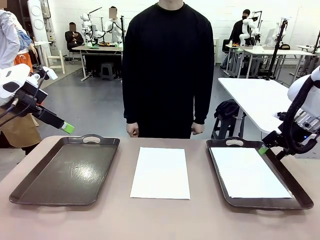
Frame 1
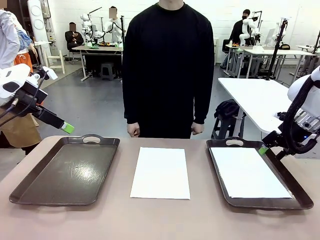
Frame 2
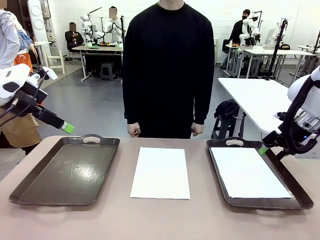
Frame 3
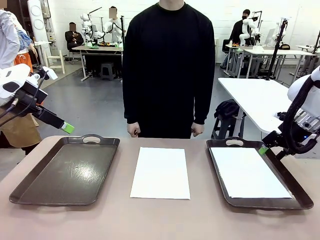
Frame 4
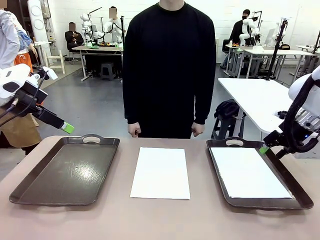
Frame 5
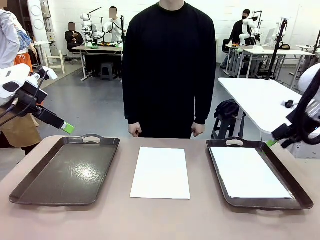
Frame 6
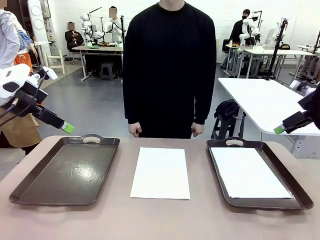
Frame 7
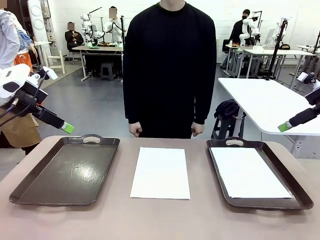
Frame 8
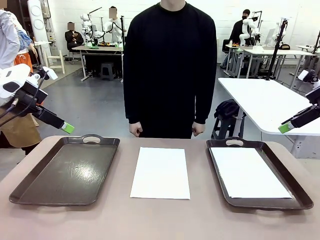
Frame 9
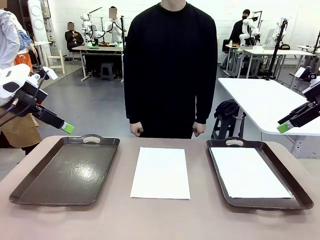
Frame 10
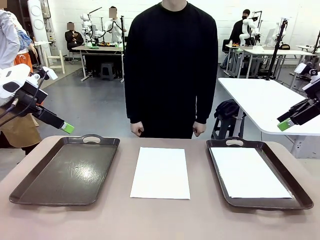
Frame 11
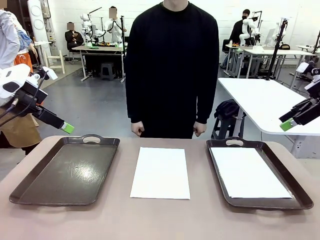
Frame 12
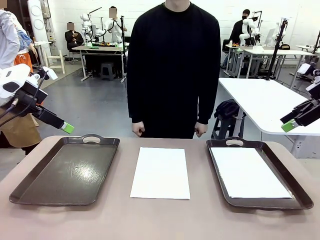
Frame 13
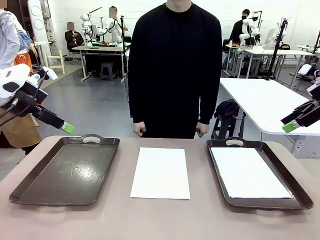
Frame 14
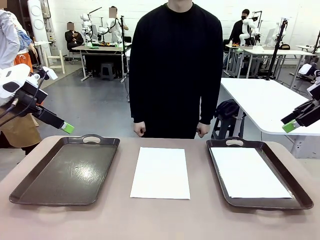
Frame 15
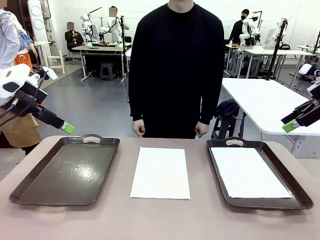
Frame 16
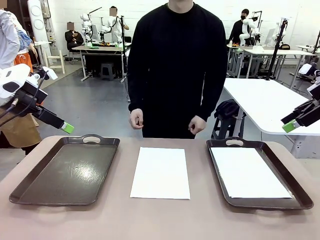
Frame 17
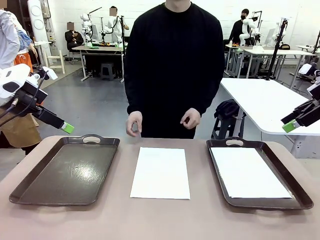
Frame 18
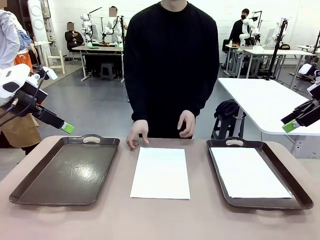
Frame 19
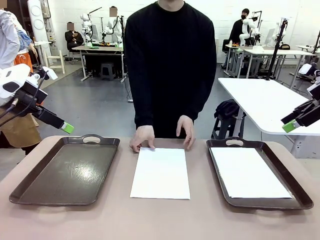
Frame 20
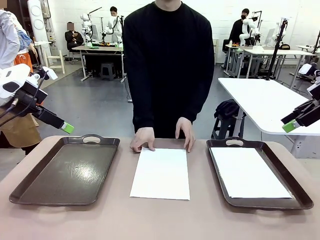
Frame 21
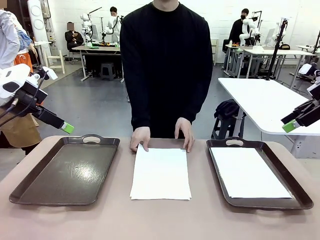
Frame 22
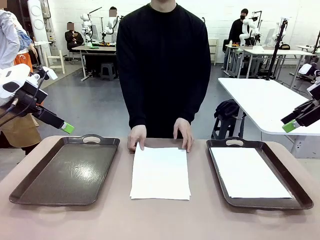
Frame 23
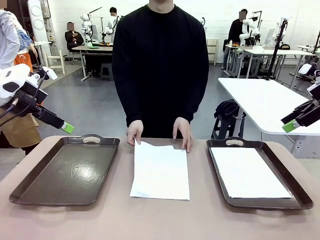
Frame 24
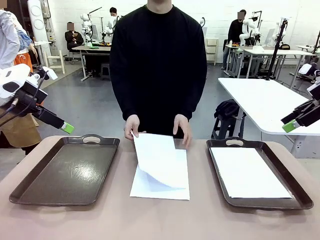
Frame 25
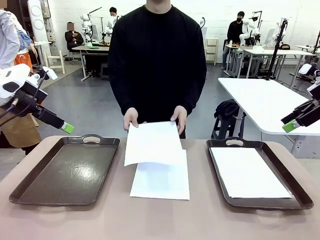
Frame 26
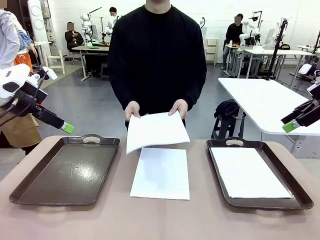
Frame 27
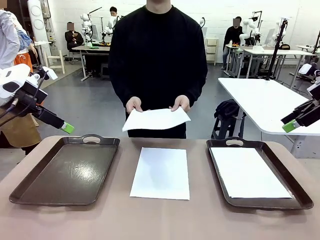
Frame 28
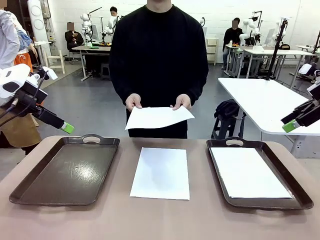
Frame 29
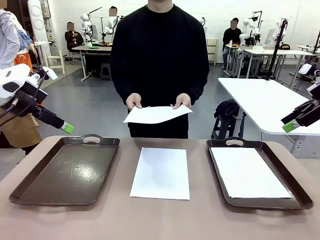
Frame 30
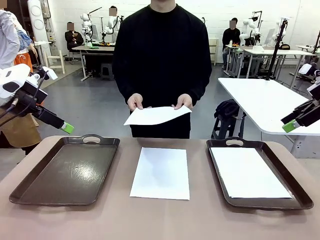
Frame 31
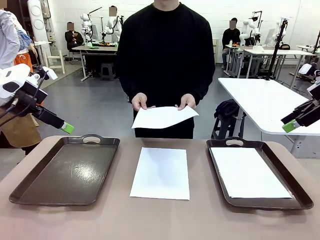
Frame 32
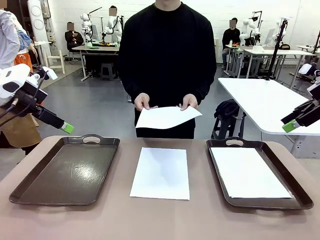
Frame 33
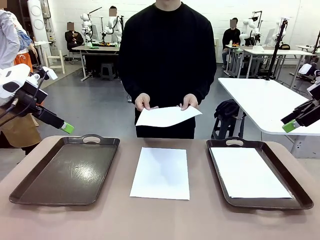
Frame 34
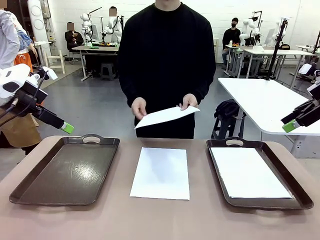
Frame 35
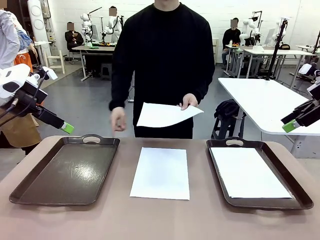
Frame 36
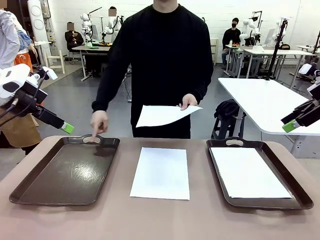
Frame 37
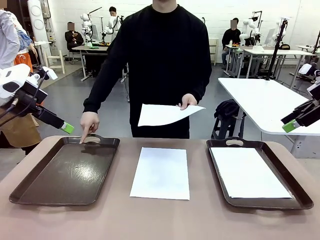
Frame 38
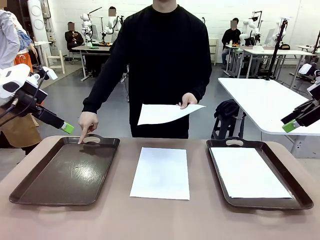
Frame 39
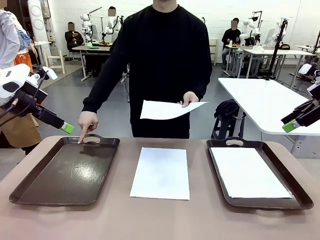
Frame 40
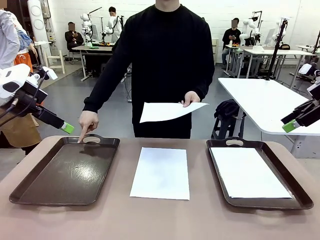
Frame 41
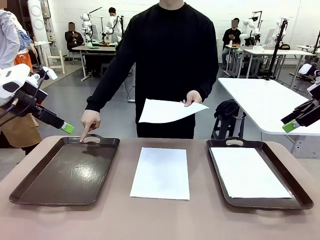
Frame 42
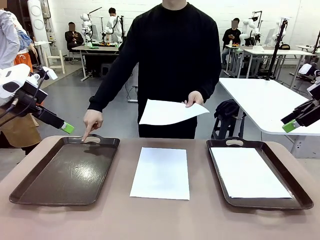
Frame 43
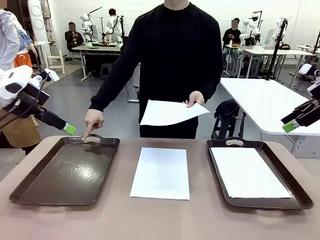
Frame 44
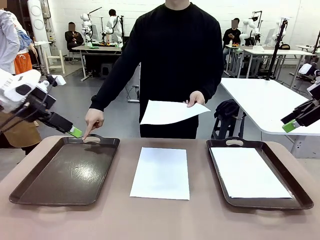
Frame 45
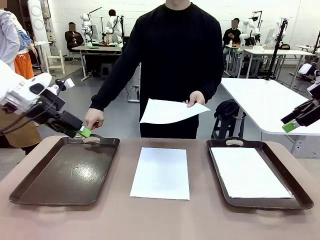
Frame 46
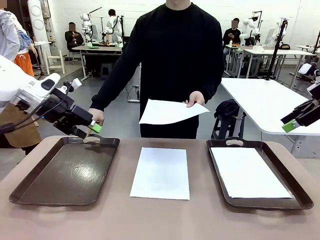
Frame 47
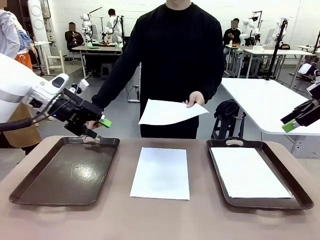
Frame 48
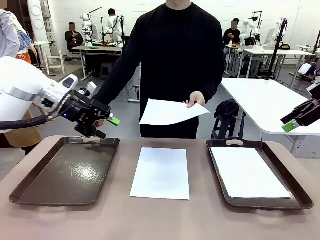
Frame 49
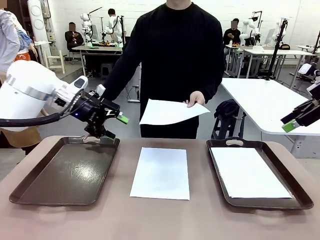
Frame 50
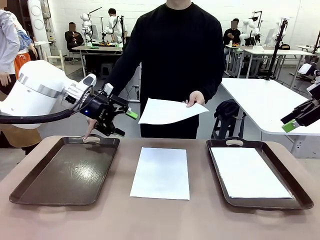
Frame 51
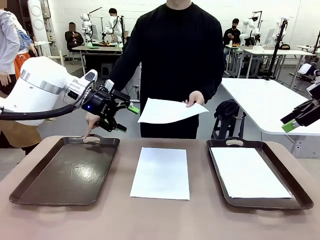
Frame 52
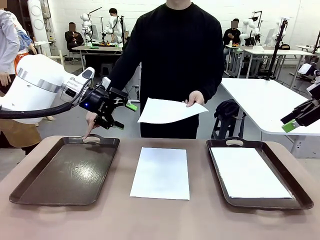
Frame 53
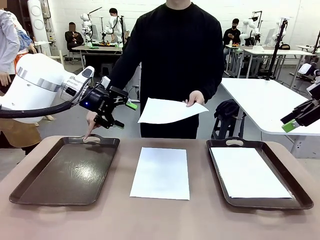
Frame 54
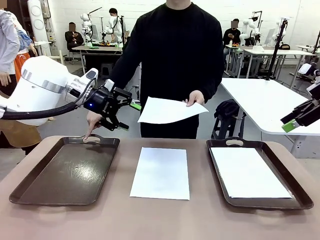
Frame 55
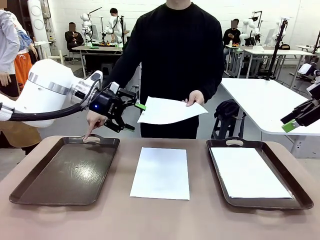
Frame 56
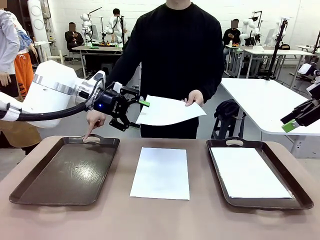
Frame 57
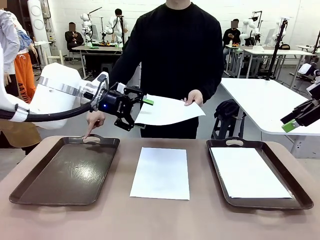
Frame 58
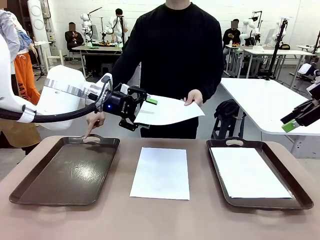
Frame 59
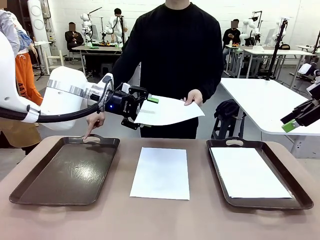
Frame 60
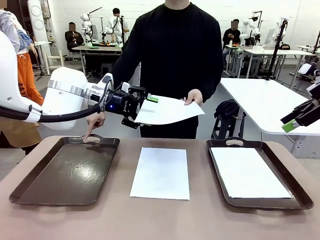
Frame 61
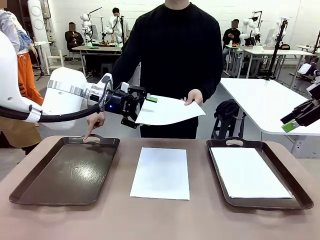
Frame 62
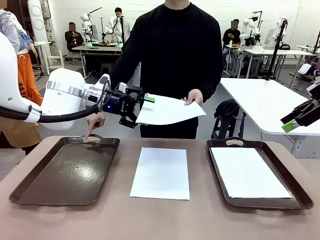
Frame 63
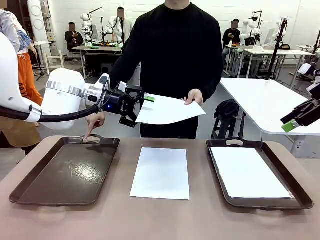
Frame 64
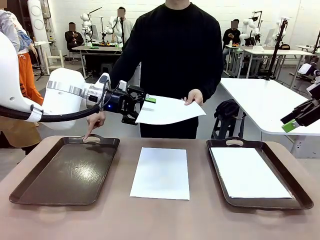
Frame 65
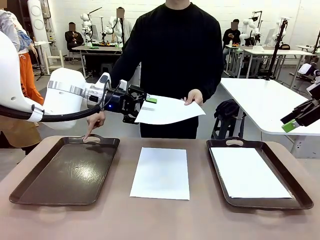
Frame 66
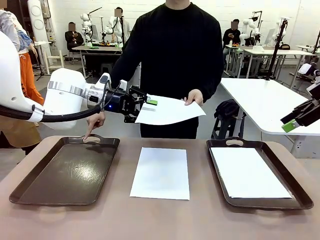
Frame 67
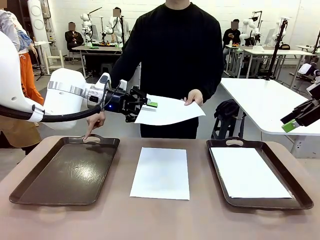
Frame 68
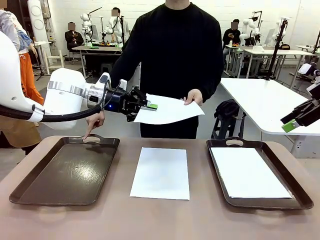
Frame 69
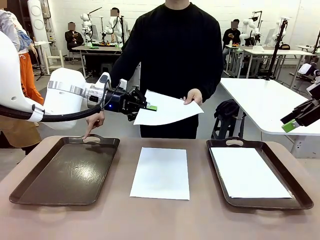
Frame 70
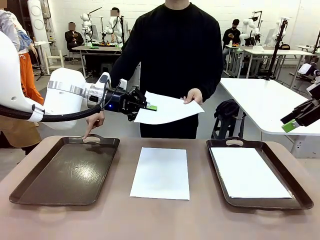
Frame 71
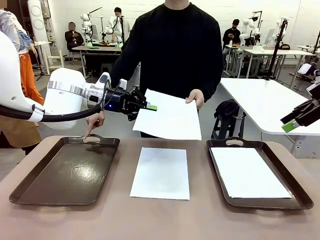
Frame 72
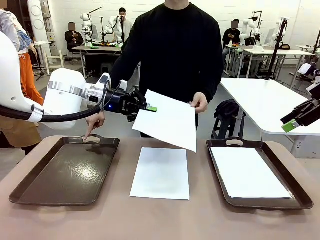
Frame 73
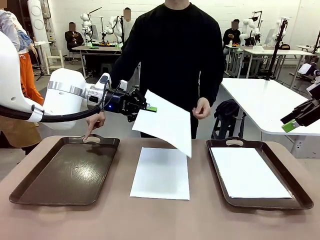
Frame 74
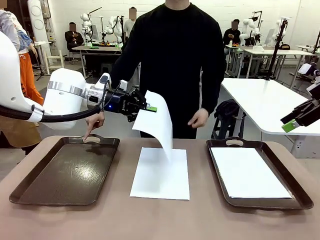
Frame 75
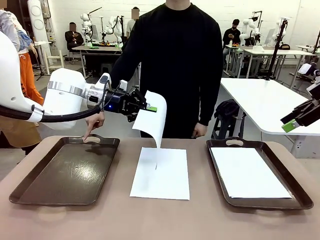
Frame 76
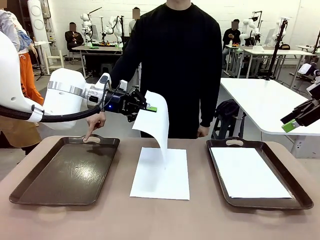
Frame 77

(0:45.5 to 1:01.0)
Task: Sort the A4 documents.
Robot: Receive the A4 Paper.
Person: Point the randomly selected tray with the other hand.

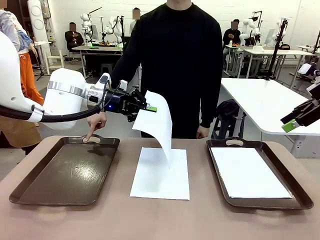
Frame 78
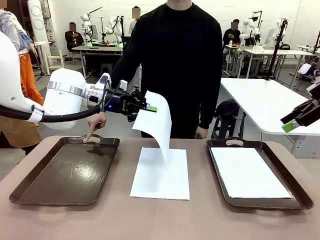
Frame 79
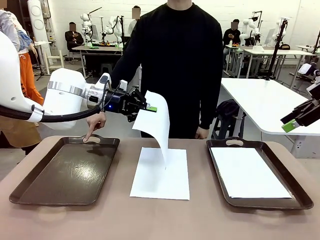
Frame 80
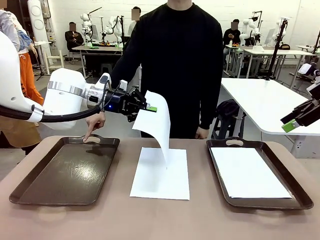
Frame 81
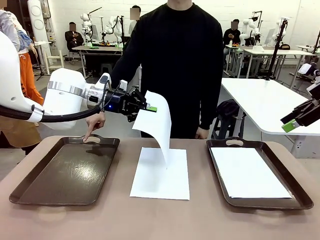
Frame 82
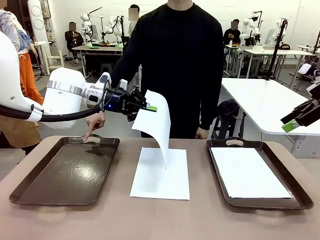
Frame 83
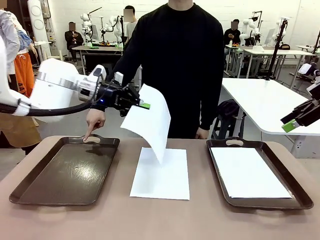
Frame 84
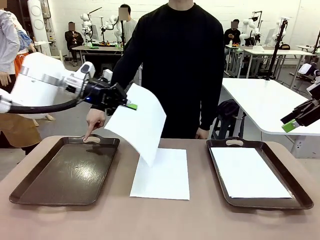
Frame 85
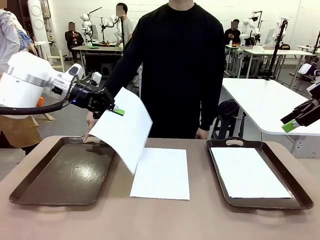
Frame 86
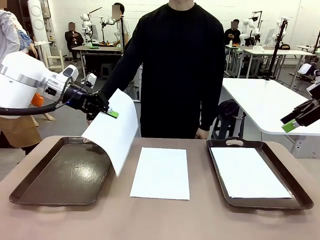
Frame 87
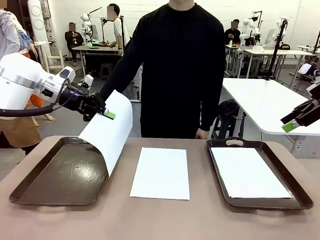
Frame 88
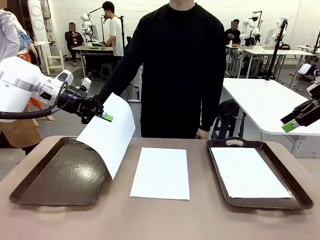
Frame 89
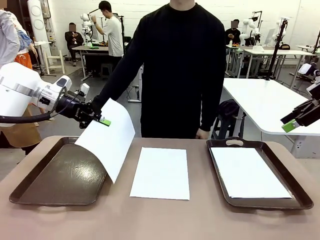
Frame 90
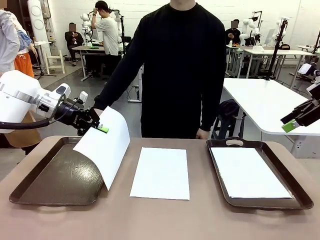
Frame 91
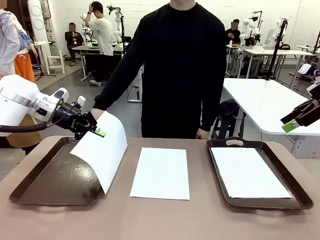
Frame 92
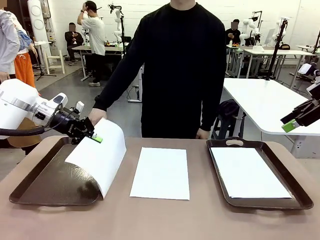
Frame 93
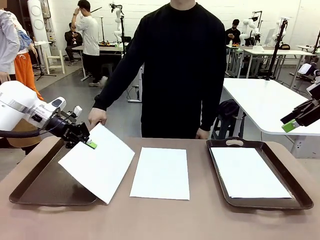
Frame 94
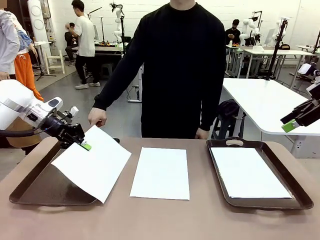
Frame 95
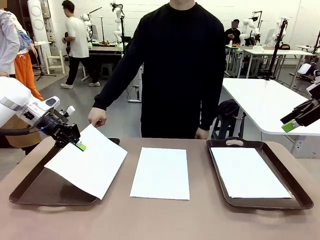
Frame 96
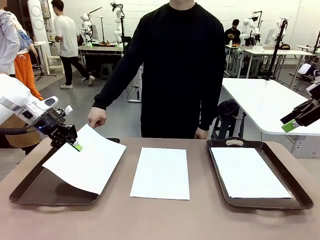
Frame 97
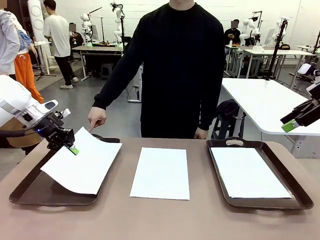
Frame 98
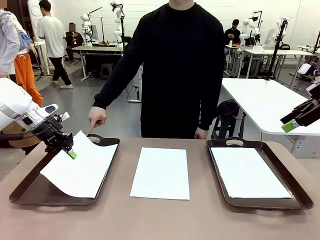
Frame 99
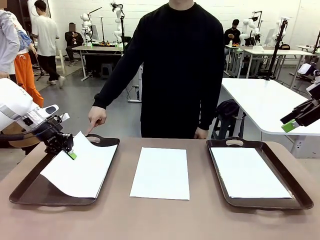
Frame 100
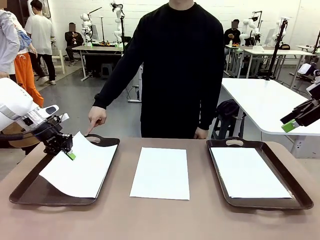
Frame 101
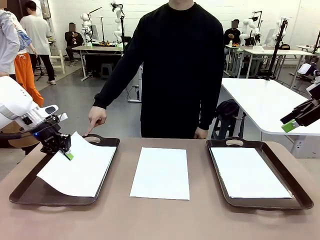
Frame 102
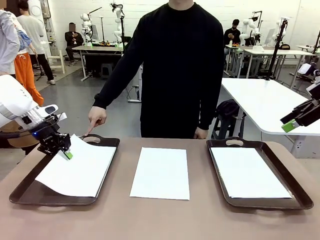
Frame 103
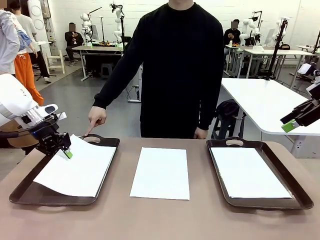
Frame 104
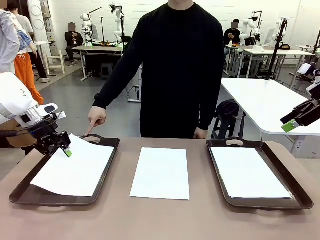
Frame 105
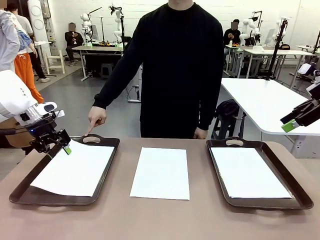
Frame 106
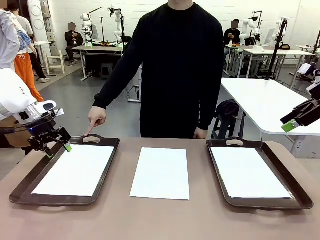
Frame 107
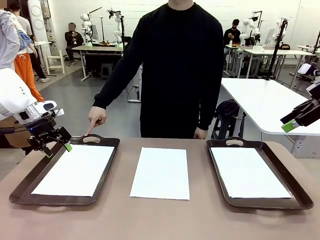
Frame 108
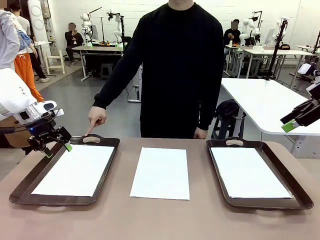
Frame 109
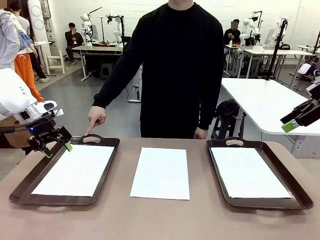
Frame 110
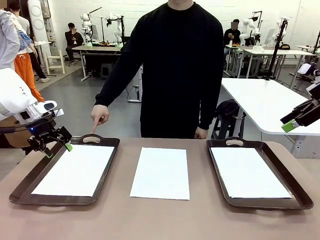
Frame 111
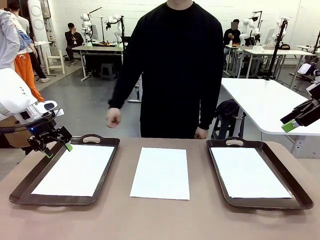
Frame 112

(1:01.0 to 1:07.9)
Robot: Place the A4 Paper in the designated Handle tray.
